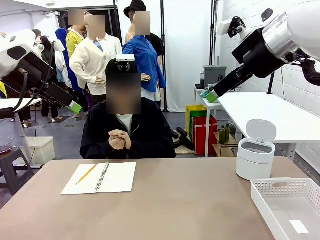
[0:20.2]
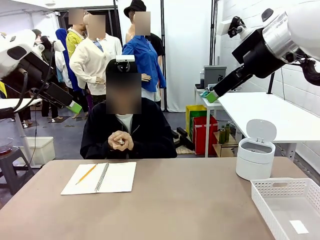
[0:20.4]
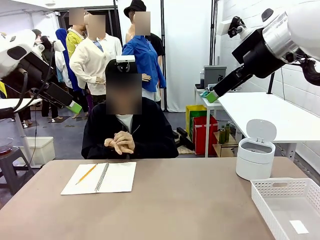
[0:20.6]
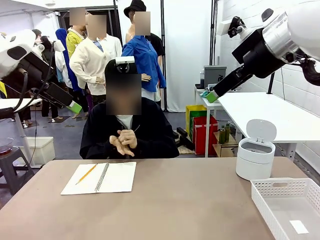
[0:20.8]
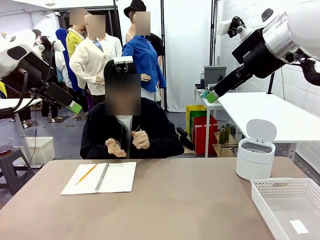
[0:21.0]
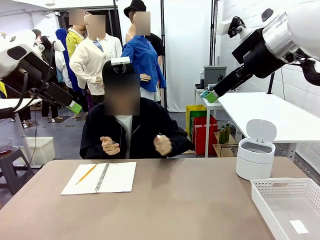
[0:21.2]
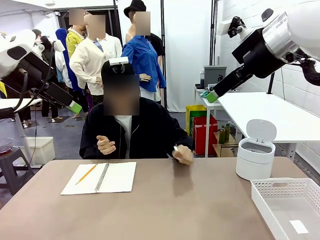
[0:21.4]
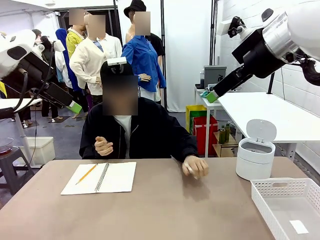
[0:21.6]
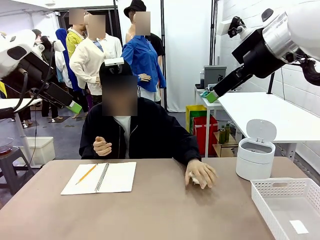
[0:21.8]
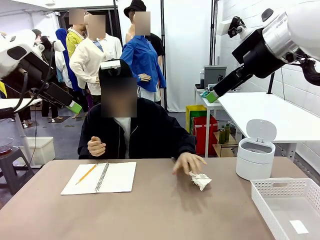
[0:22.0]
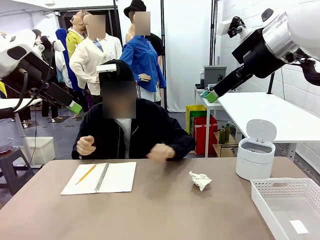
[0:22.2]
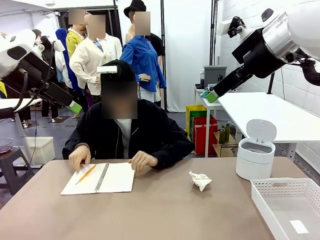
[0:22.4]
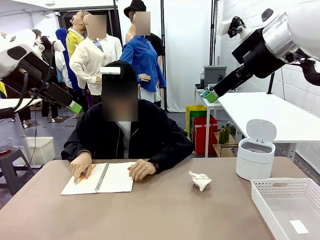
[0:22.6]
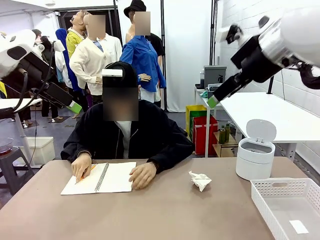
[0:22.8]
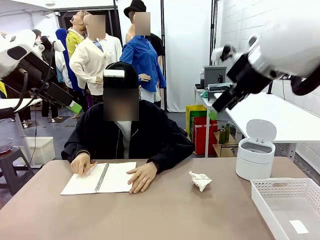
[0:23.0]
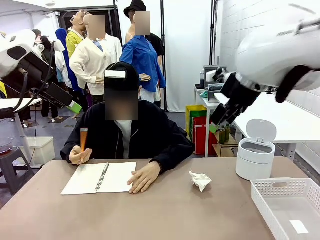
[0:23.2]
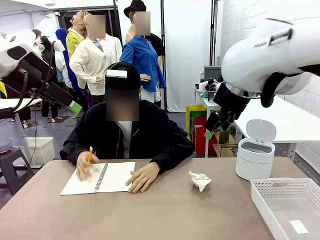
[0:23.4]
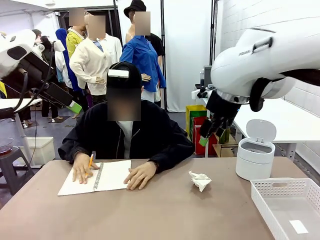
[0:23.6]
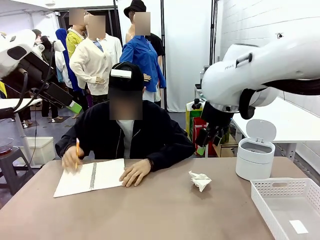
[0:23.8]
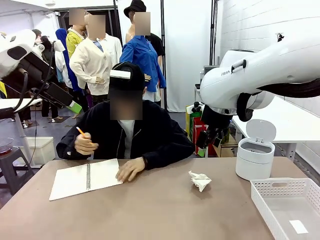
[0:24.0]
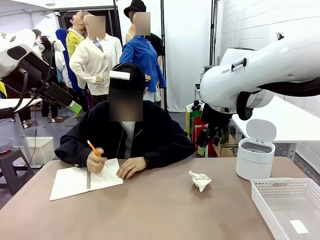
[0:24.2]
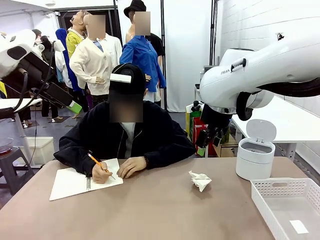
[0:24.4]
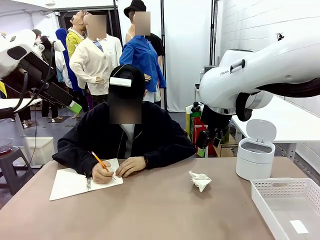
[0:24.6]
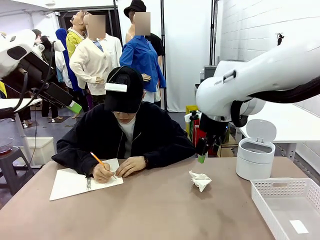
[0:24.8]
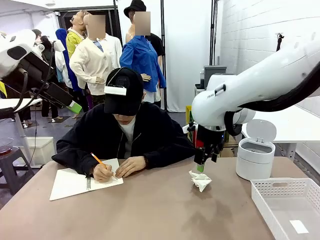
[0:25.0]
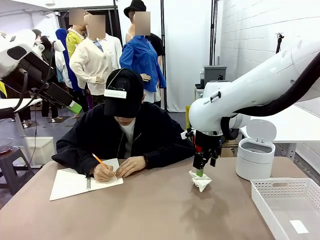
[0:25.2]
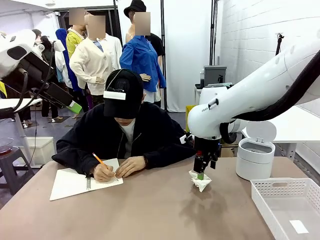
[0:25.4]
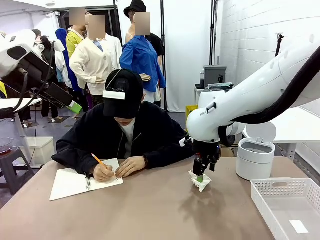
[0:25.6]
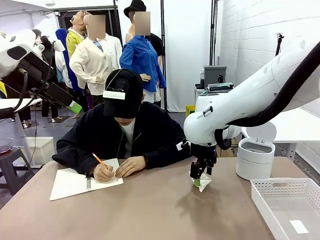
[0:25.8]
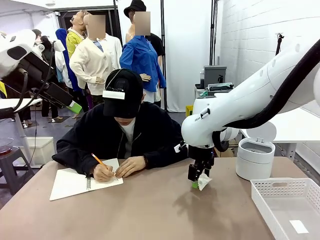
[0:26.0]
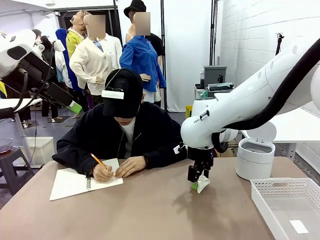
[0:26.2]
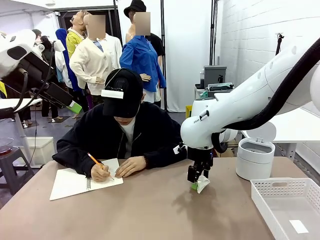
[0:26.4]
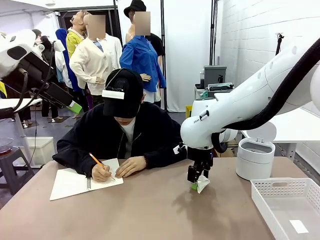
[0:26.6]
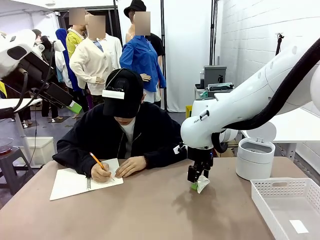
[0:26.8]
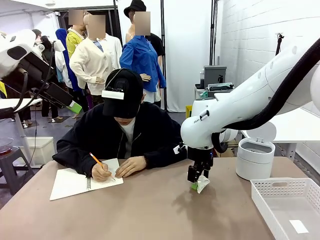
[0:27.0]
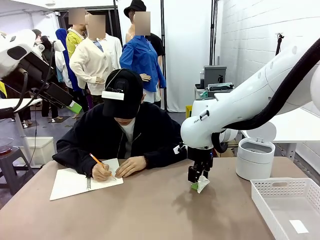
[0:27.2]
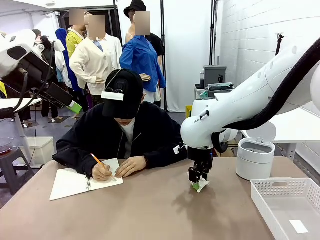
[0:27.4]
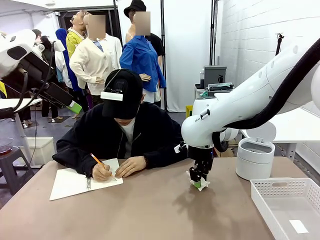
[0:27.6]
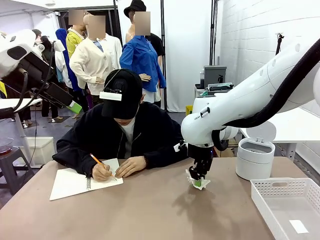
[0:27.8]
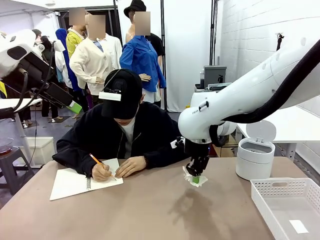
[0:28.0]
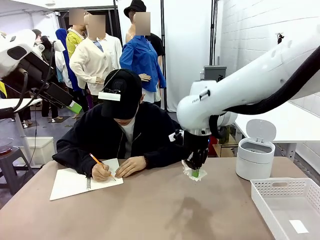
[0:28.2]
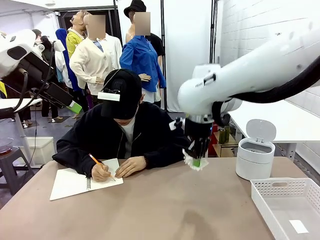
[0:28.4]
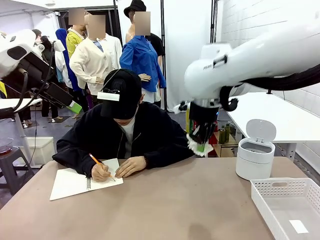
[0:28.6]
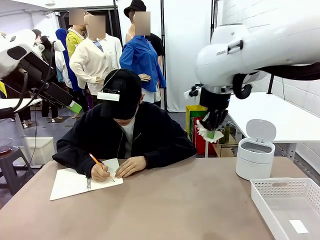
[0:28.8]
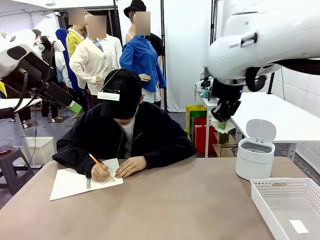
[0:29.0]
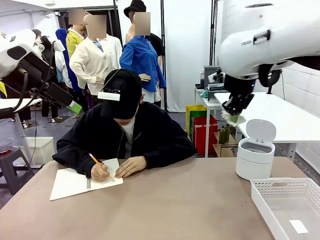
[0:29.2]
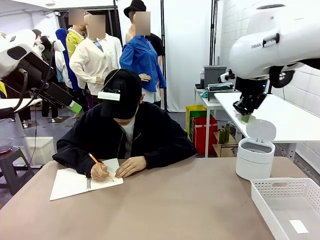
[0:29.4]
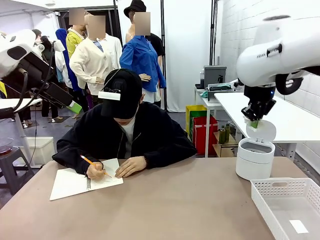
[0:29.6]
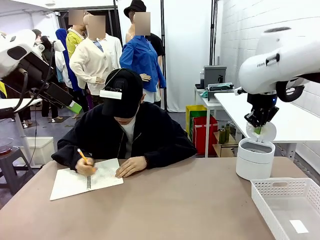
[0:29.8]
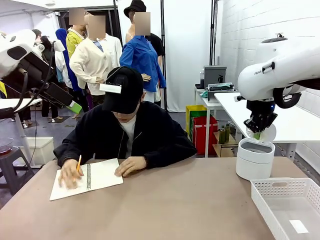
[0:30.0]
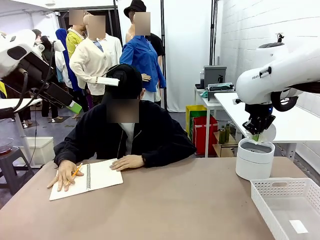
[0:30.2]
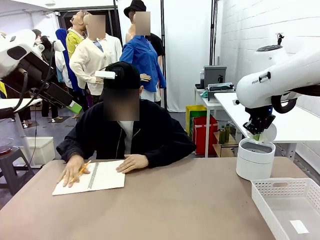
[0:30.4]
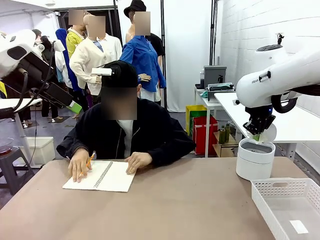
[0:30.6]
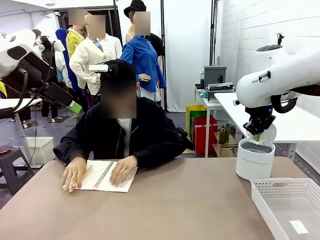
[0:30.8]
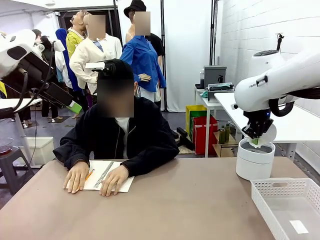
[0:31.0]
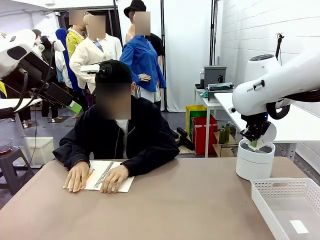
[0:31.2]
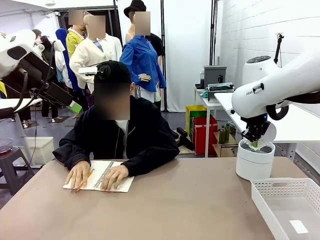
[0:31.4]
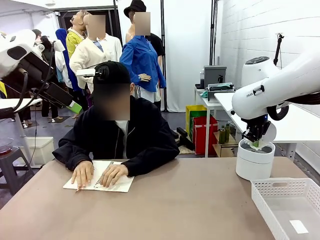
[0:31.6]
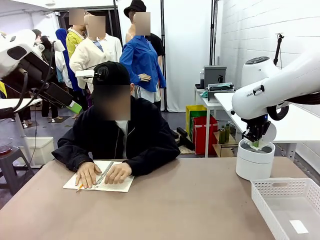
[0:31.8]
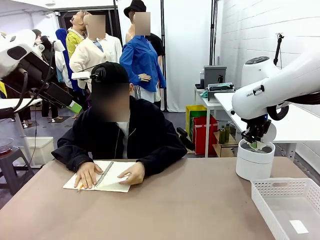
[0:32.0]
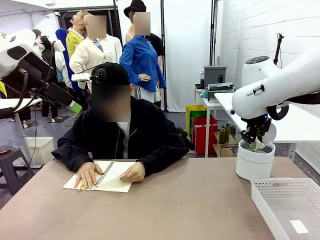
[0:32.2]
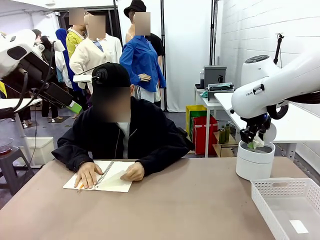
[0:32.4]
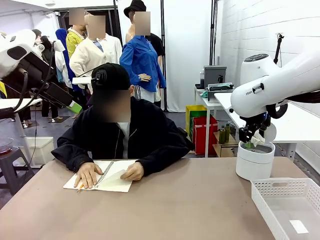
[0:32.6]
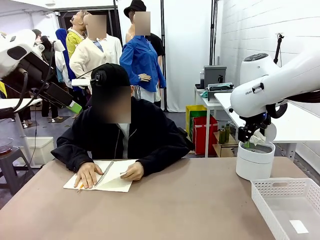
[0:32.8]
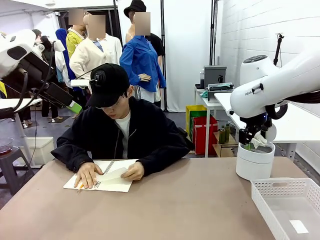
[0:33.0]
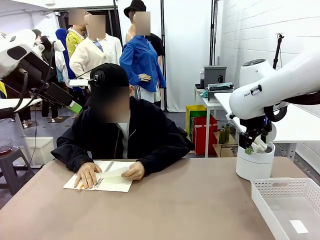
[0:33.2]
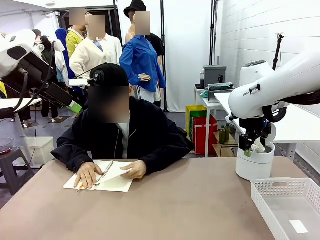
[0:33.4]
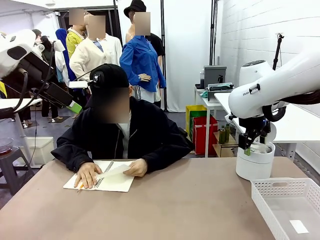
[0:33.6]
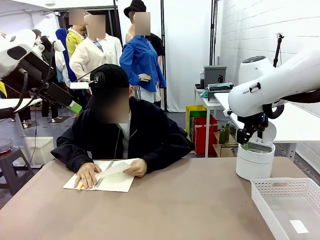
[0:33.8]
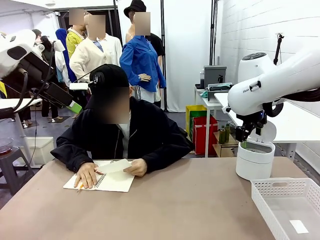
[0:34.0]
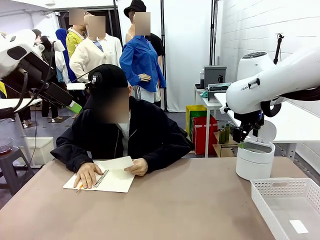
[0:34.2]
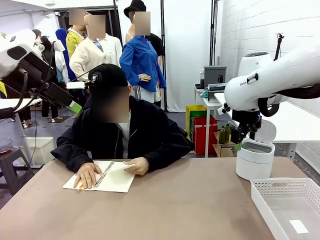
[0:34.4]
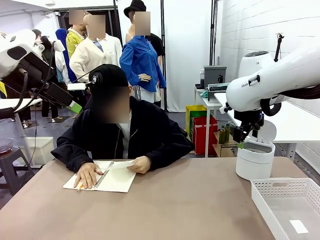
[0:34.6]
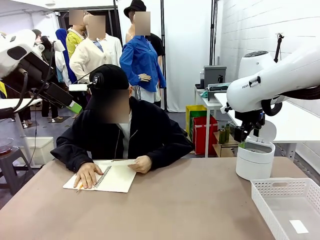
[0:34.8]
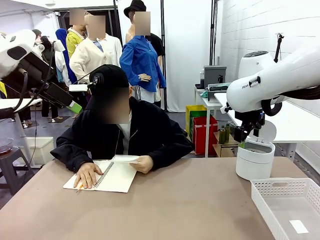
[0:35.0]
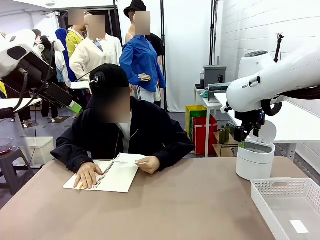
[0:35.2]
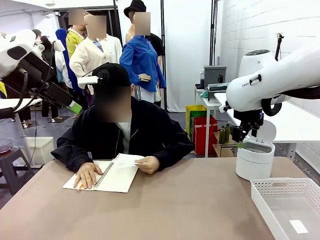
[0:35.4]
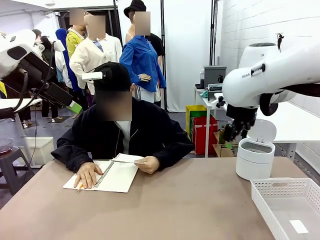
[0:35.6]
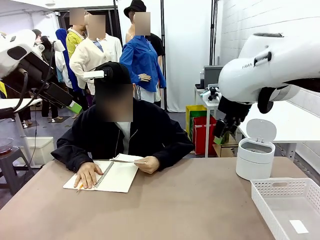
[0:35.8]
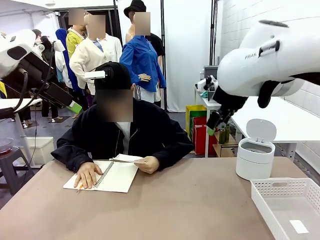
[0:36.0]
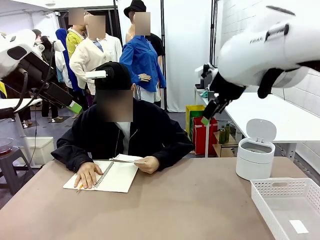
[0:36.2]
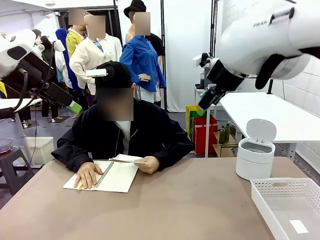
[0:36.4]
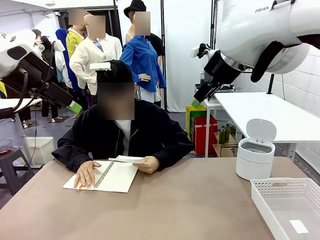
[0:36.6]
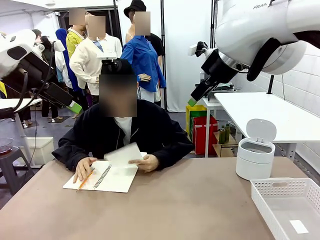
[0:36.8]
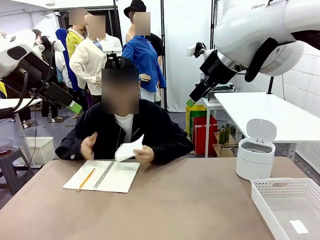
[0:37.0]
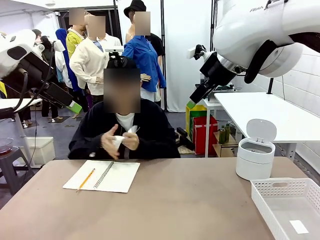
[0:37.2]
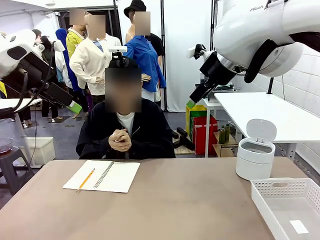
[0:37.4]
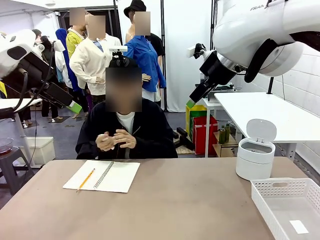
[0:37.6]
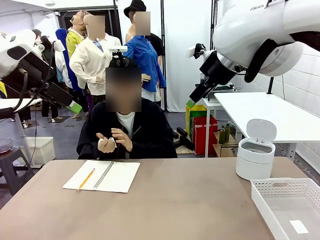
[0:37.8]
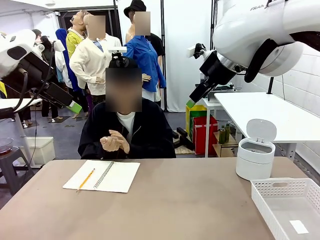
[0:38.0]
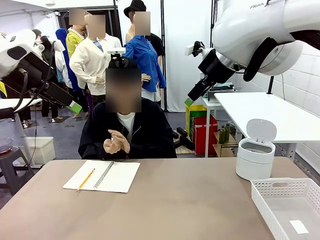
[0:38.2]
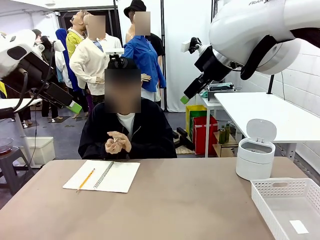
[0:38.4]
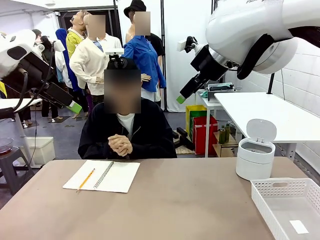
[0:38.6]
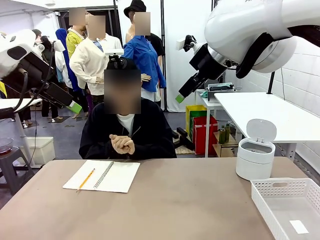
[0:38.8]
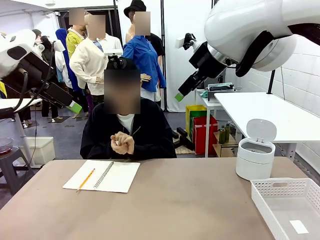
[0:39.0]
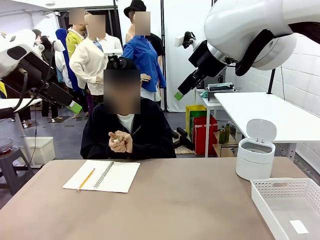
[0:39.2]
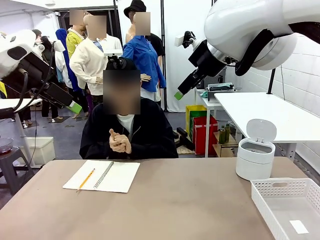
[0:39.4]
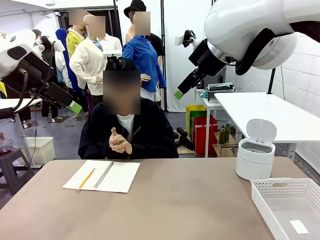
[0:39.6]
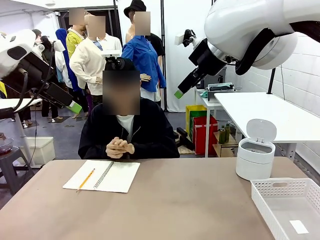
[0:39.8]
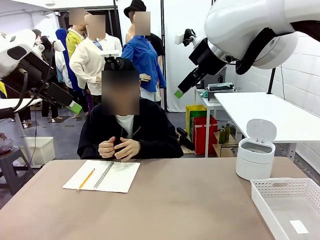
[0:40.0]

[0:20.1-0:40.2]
Task: Sort the paper based on its condition.
Robot: If a person hands you a paper, place it in the Organizing basket , and if it's crumpled, put it in the Trash can.
Person: Hand the torn page to the robot or crumple it and throw it to the center of the table. Tear out a page from the spiral notebook. Hand the torn page to the robot or crumple it and throw it to the center of the table.
